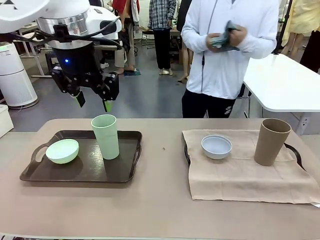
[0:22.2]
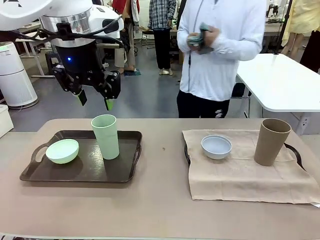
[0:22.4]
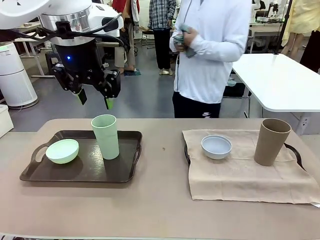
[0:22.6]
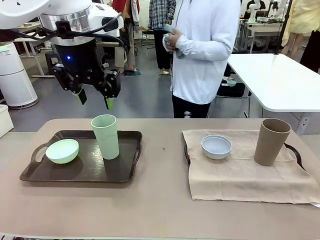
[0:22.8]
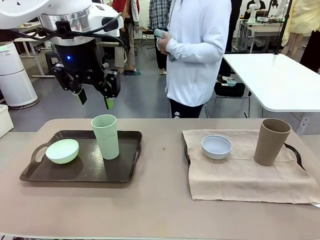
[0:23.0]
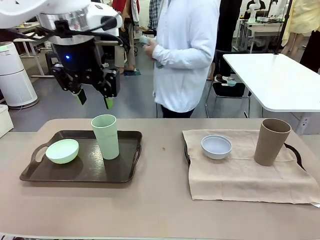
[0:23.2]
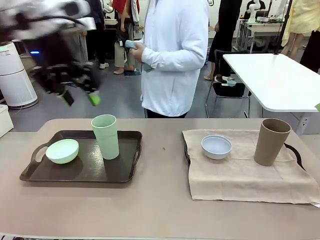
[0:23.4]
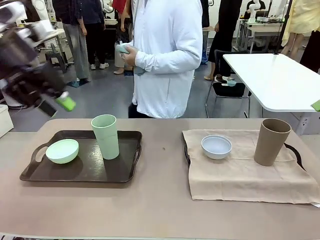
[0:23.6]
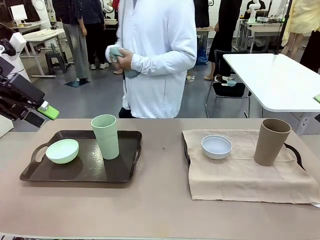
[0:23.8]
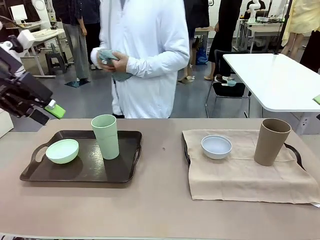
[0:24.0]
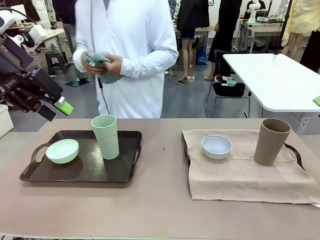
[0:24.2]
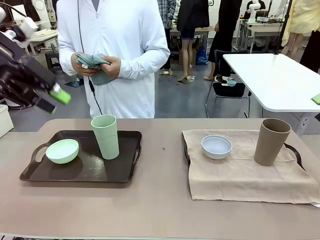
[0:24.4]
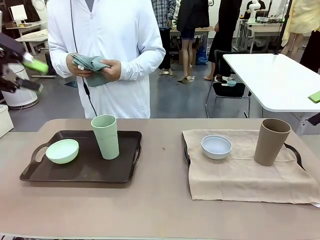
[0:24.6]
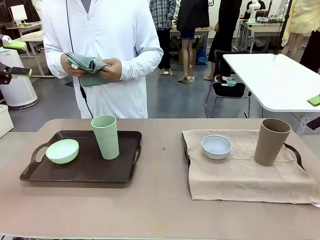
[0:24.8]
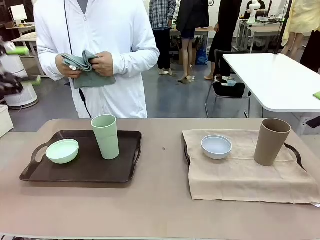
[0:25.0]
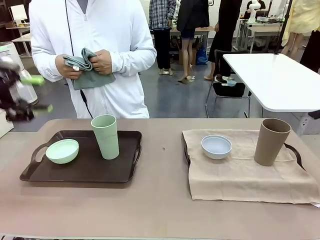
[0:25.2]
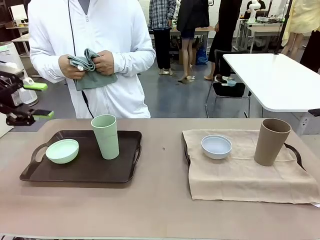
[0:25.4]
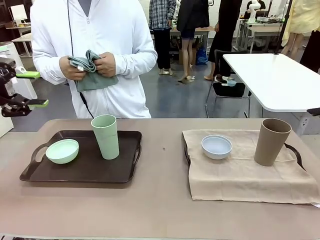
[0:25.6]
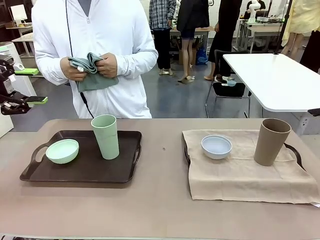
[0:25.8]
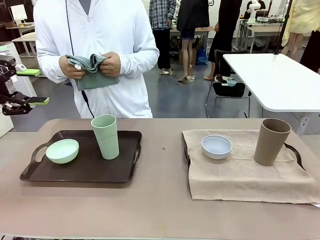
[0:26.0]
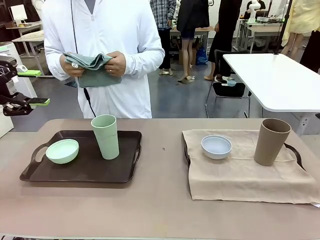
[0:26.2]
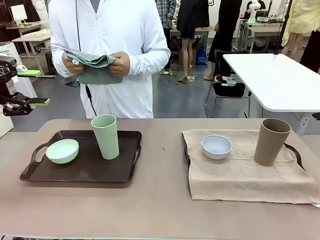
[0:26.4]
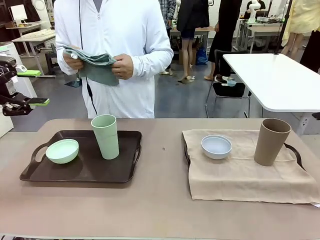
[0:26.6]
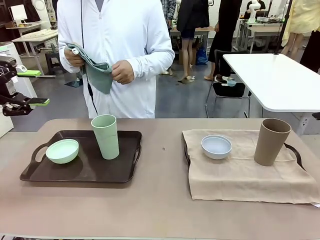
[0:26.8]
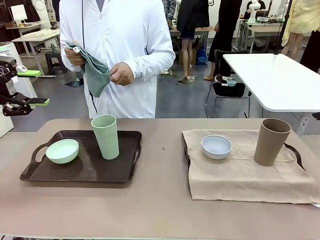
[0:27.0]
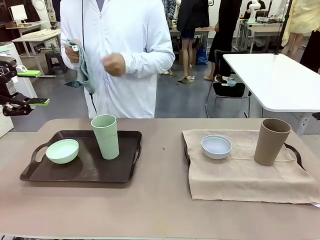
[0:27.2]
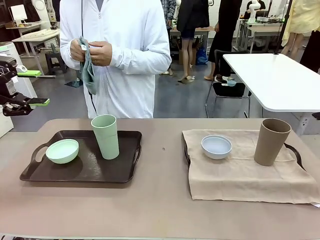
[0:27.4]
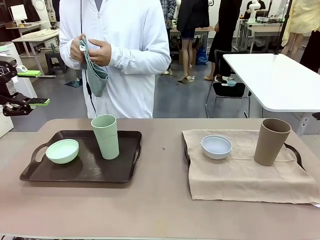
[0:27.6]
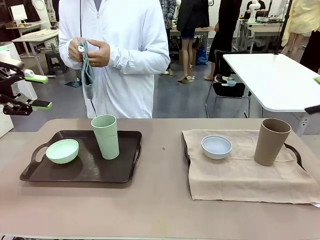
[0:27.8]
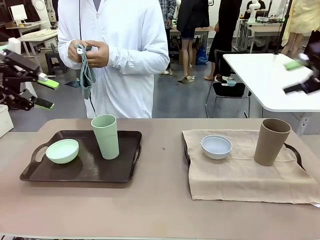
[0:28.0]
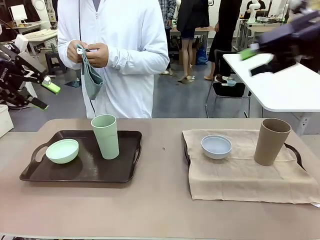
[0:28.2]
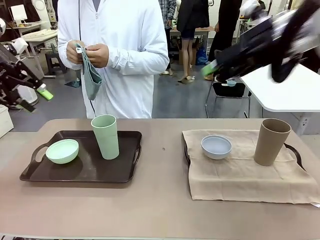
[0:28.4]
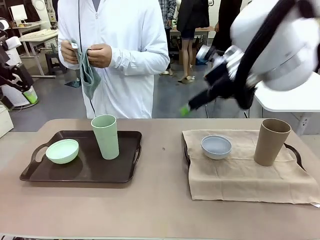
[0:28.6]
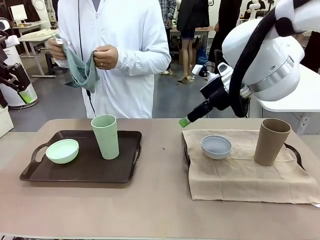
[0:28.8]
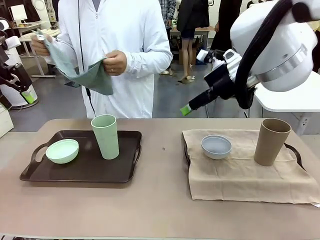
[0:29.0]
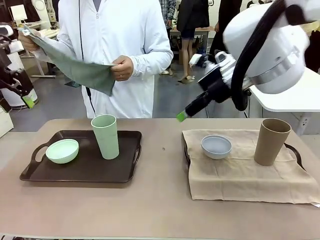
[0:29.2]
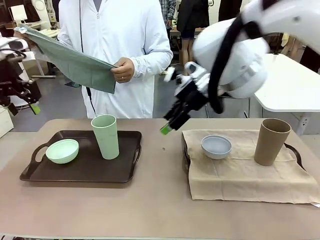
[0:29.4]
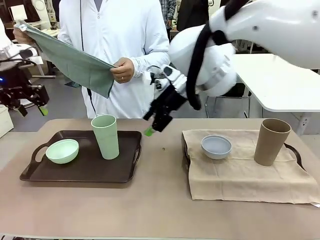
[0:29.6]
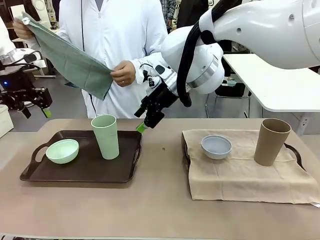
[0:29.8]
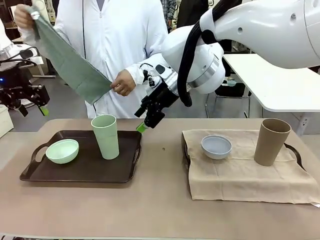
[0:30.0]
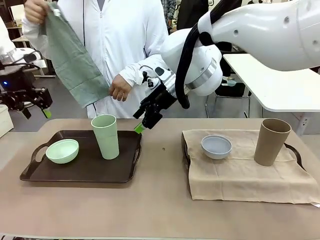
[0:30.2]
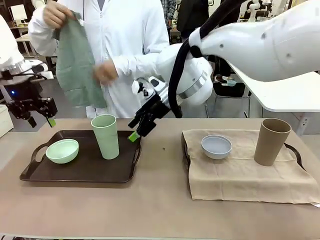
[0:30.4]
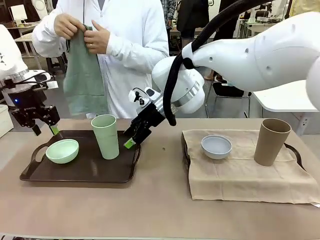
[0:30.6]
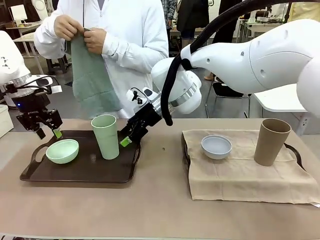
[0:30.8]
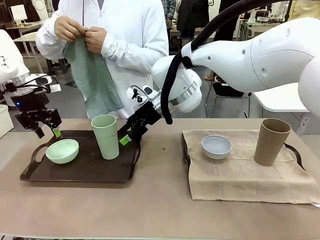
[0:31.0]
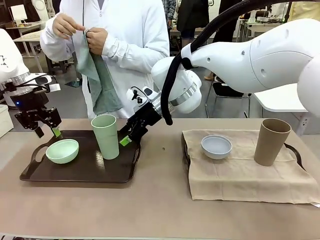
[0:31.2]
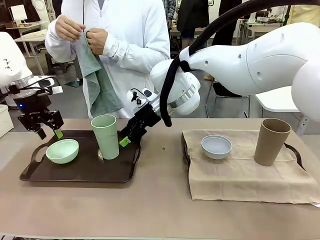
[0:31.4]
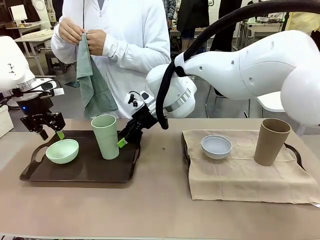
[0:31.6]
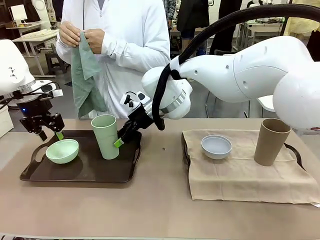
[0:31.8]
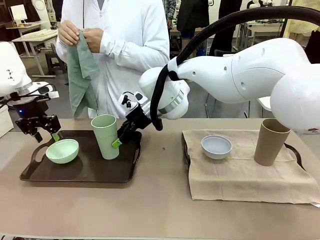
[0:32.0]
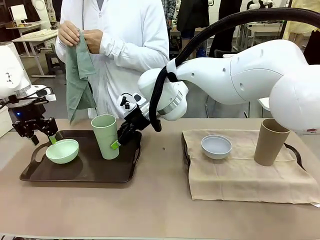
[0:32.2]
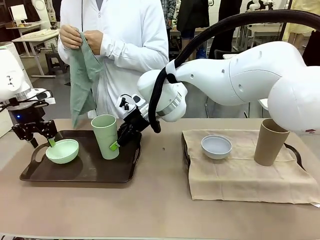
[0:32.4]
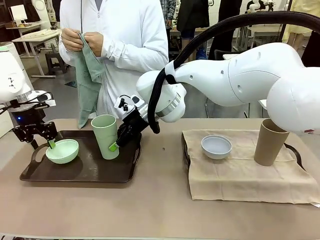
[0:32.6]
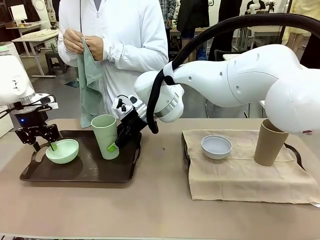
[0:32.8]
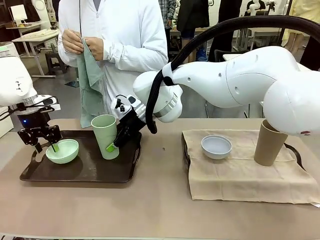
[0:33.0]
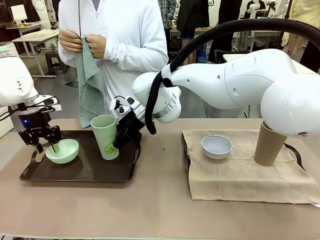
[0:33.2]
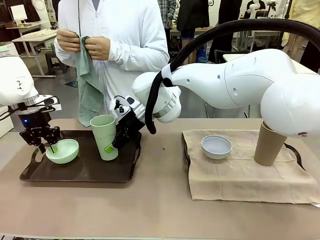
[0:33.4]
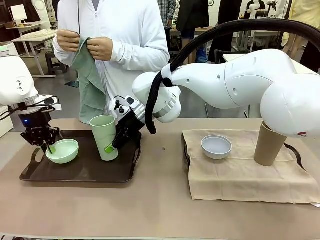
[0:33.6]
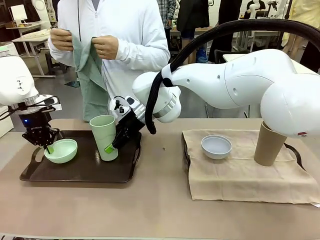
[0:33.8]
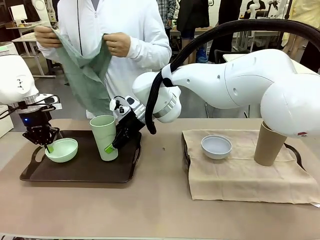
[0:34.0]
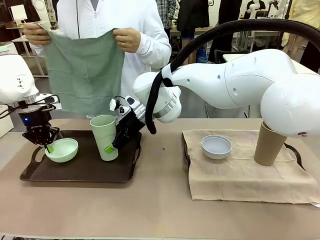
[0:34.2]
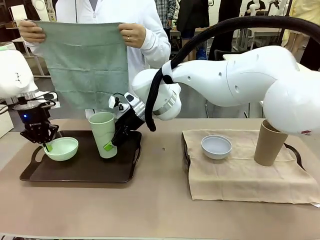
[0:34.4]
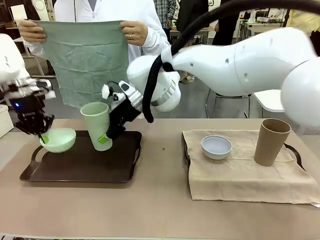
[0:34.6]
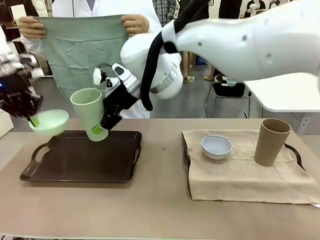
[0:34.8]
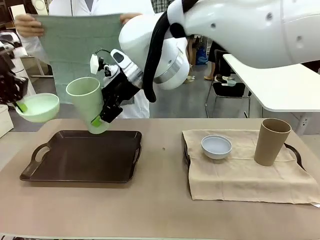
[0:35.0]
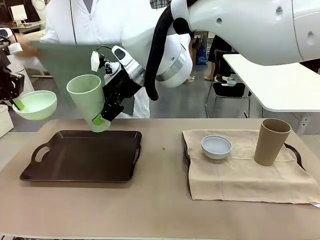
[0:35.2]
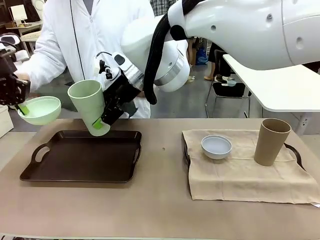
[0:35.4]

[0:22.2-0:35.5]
Robot: Pick up the Picnic Bowl and Reusable plastic cup from the Handle tray in front of the human's position and hold them in the air.
Person: When the robot lifts the bowl and the cup, the human unfolds the napkin and lays the napkin flat on the tray.

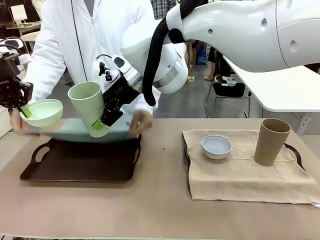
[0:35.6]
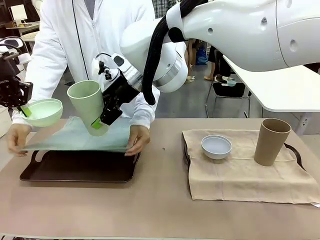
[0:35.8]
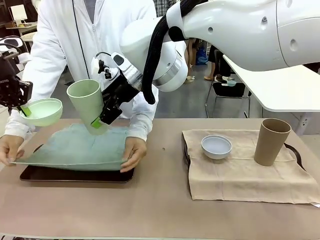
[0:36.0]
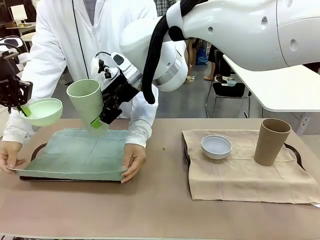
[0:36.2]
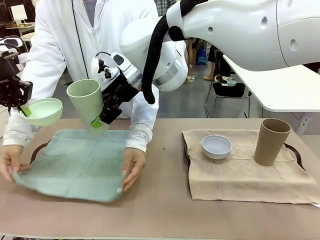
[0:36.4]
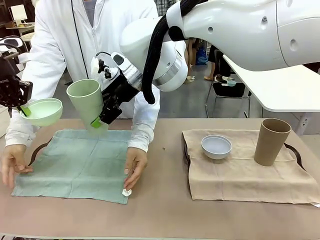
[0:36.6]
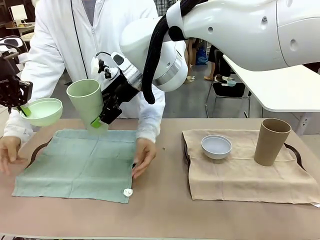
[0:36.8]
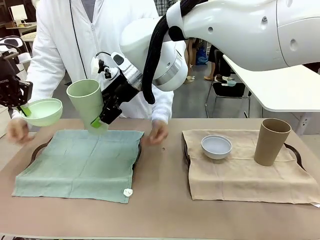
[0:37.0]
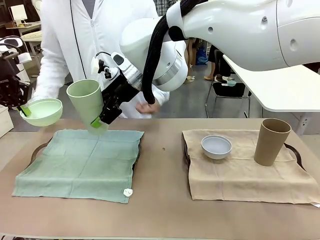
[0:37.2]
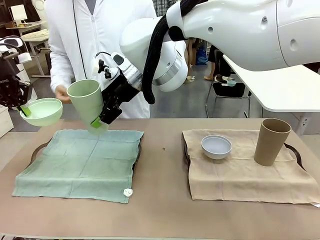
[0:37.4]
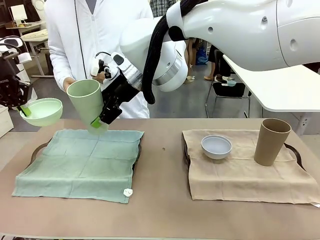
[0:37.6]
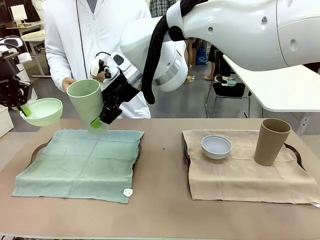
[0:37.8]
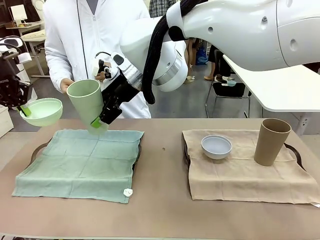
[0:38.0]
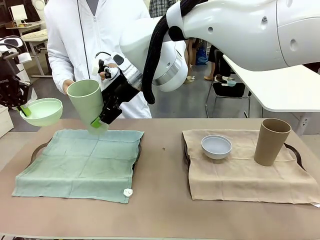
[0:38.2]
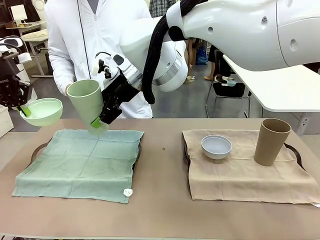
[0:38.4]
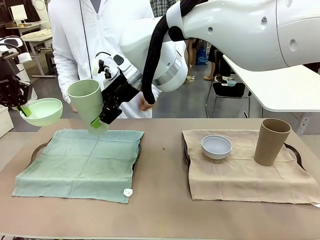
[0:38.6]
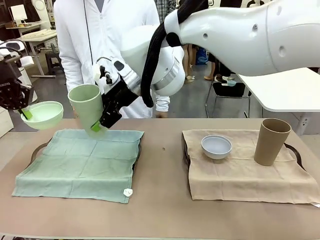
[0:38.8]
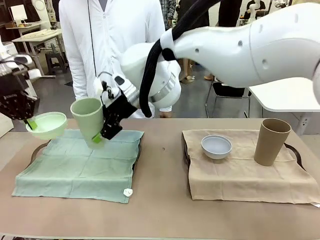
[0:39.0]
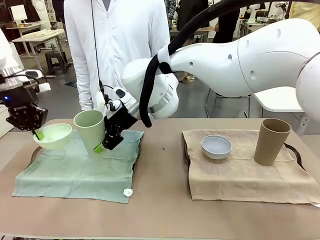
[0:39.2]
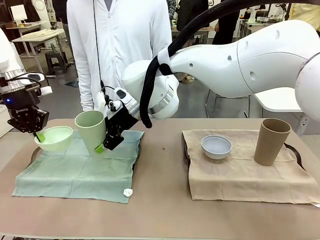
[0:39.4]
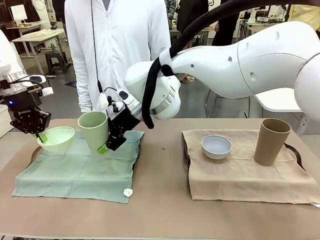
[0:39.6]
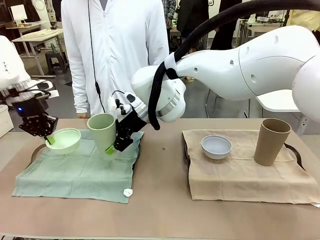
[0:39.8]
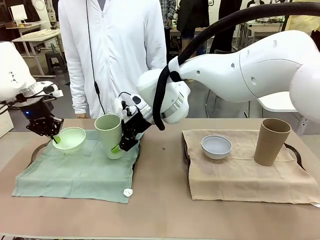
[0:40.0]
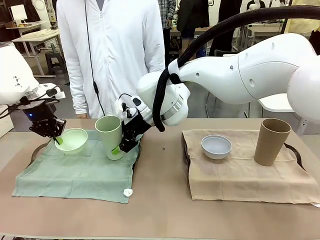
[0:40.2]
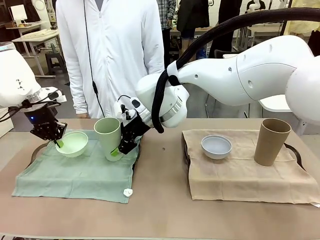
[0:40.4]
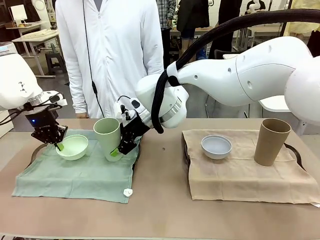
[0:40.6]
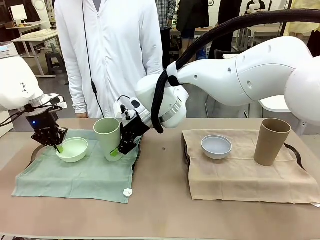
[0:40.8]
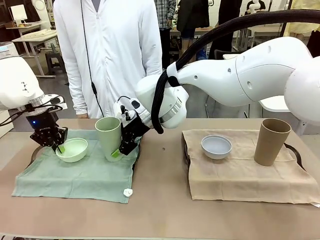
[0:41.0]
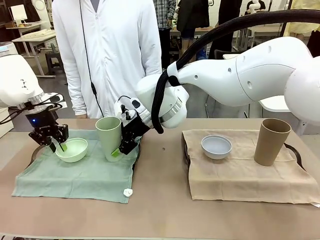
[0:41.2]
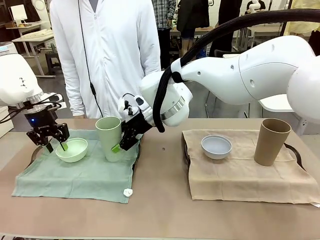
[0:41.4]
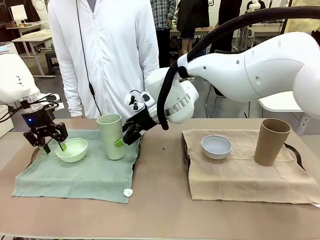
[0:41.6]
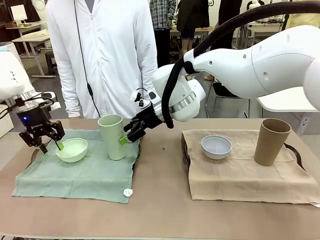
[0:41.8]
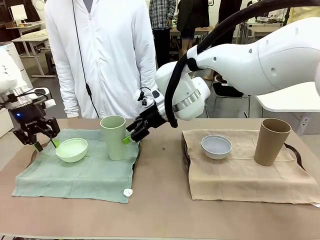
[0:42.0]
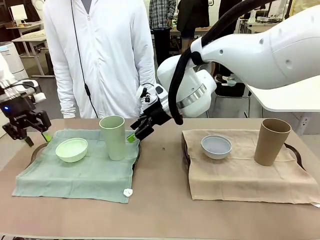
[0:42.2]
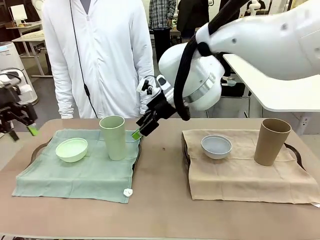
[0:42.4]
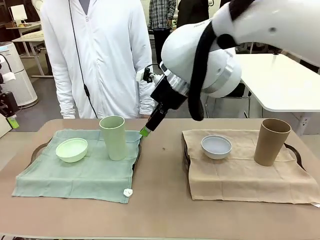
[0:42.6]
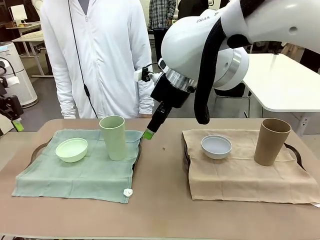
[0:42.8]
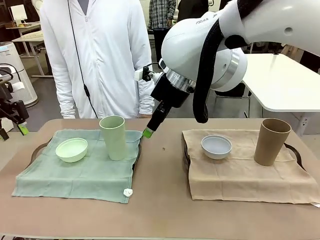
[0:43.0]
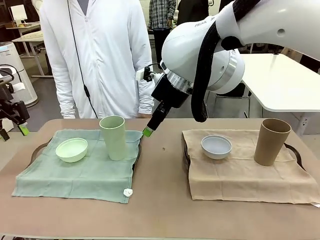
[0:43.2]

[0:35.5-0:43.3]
Robot: Place the Picnic Bowl and Reusable plastic cup back onto the Handle tray in front of the human's position.
